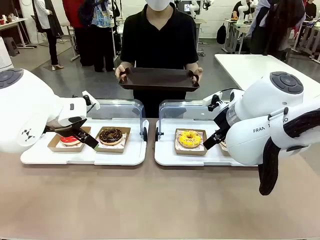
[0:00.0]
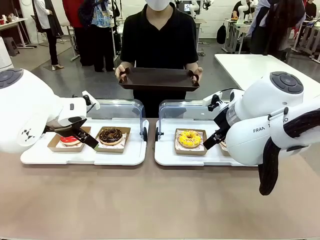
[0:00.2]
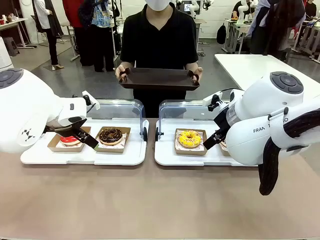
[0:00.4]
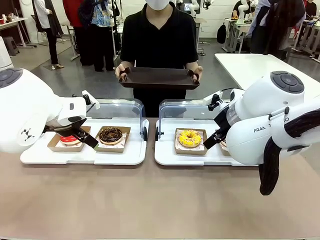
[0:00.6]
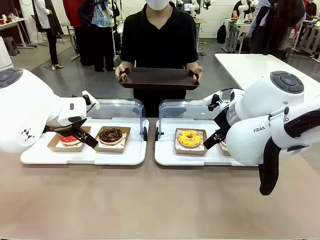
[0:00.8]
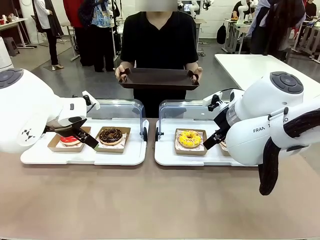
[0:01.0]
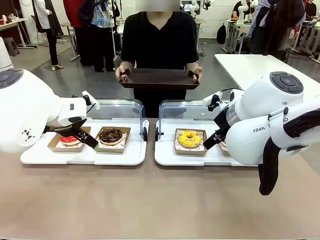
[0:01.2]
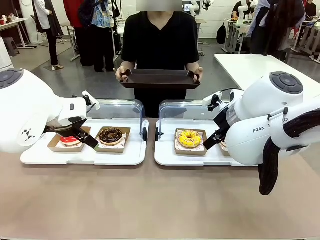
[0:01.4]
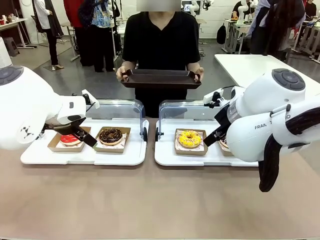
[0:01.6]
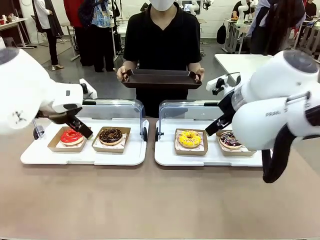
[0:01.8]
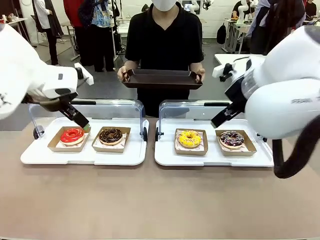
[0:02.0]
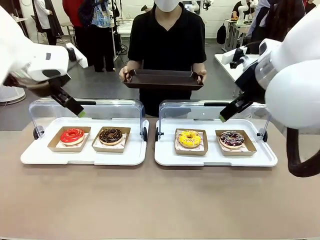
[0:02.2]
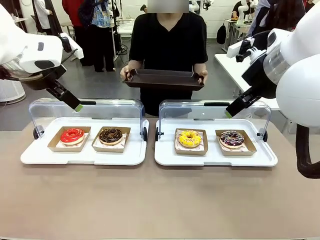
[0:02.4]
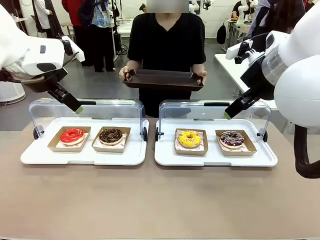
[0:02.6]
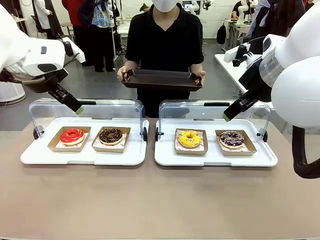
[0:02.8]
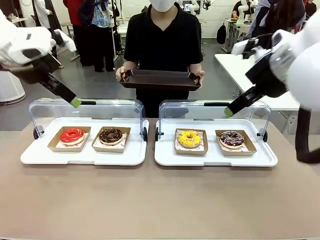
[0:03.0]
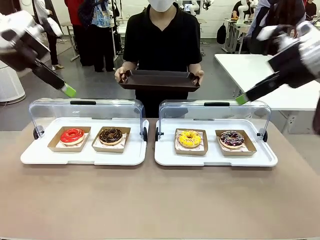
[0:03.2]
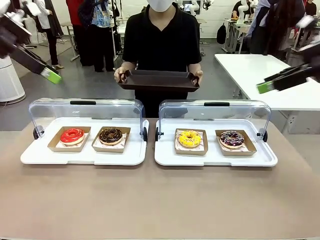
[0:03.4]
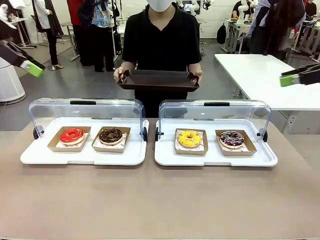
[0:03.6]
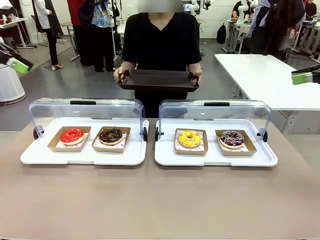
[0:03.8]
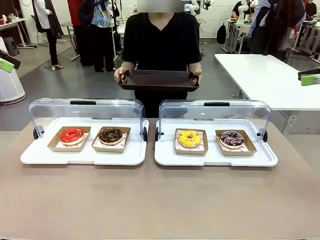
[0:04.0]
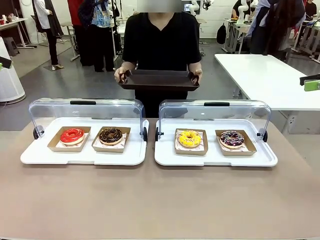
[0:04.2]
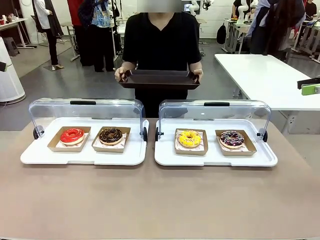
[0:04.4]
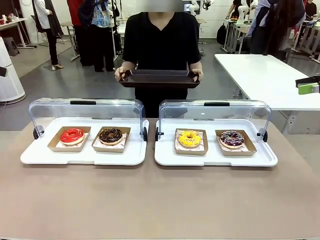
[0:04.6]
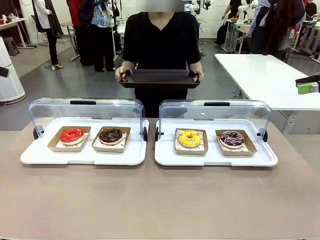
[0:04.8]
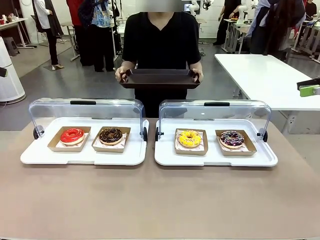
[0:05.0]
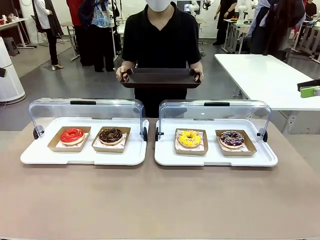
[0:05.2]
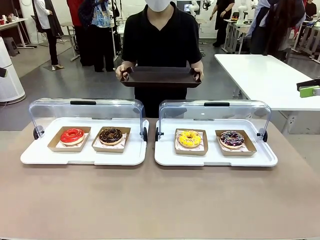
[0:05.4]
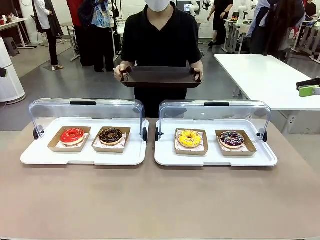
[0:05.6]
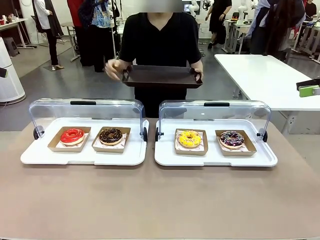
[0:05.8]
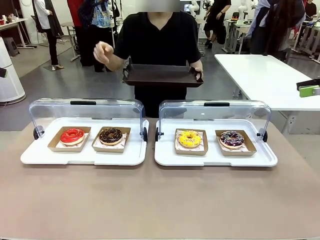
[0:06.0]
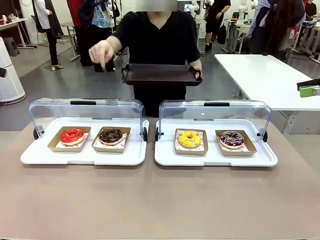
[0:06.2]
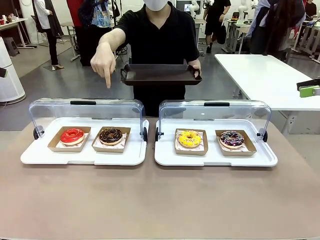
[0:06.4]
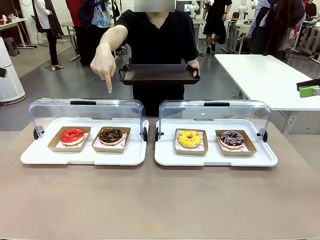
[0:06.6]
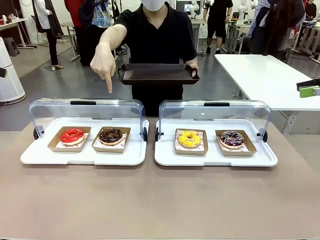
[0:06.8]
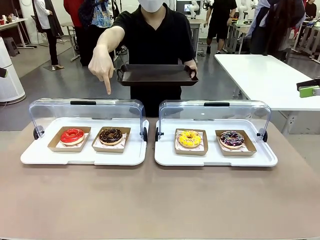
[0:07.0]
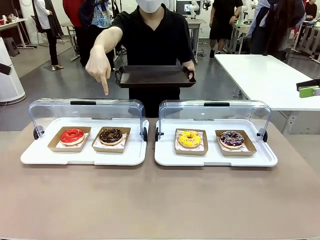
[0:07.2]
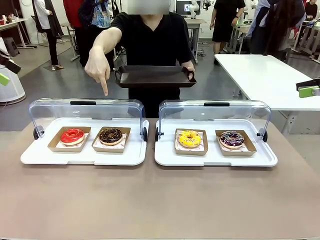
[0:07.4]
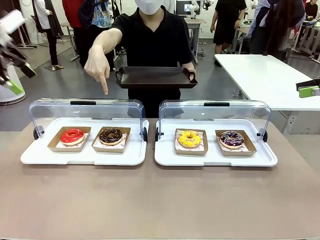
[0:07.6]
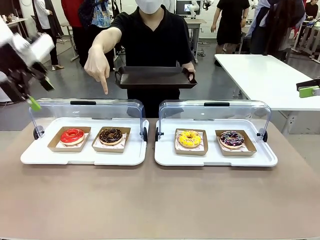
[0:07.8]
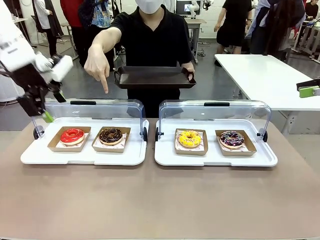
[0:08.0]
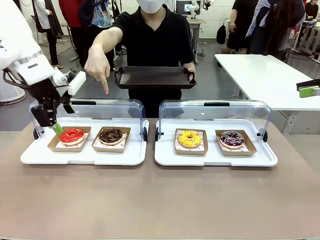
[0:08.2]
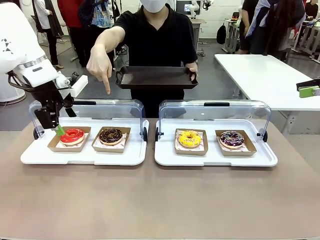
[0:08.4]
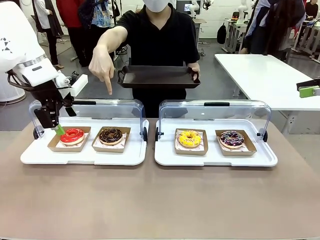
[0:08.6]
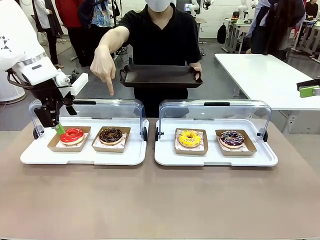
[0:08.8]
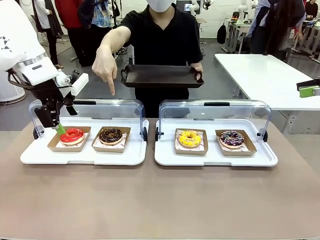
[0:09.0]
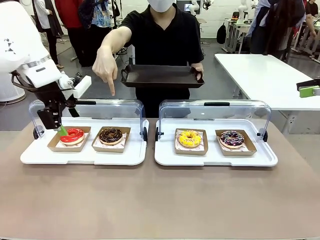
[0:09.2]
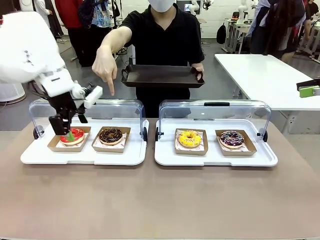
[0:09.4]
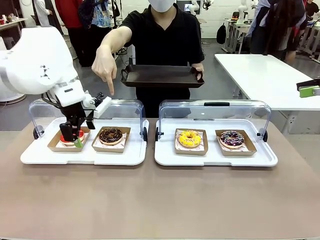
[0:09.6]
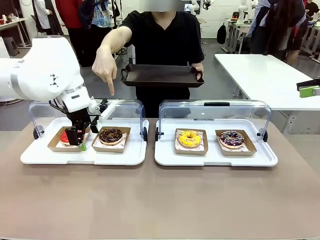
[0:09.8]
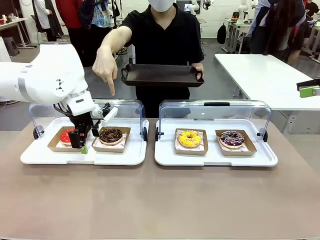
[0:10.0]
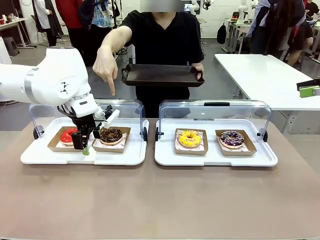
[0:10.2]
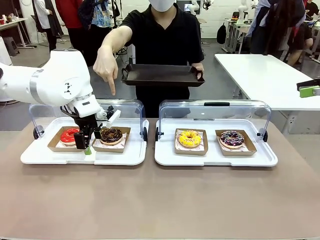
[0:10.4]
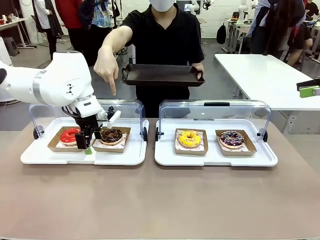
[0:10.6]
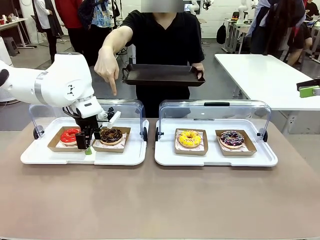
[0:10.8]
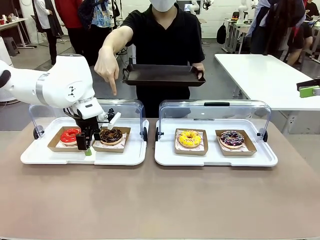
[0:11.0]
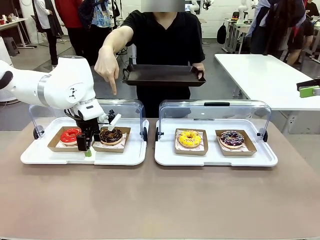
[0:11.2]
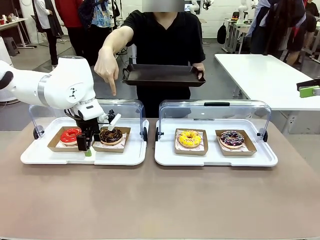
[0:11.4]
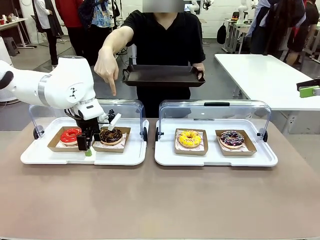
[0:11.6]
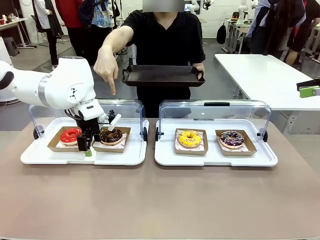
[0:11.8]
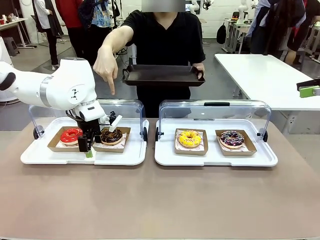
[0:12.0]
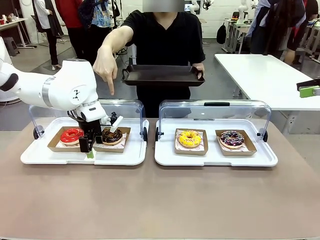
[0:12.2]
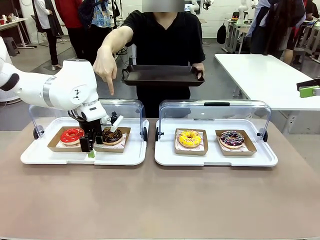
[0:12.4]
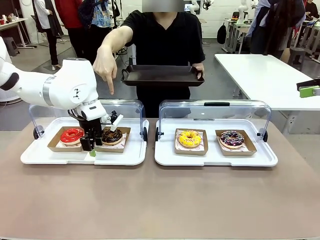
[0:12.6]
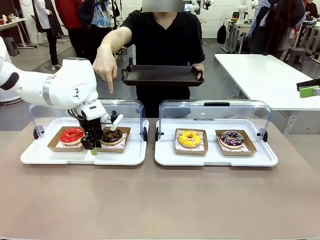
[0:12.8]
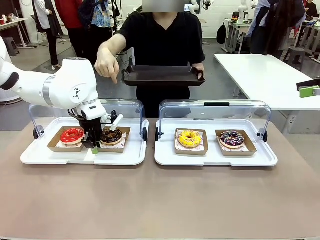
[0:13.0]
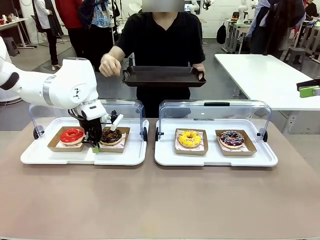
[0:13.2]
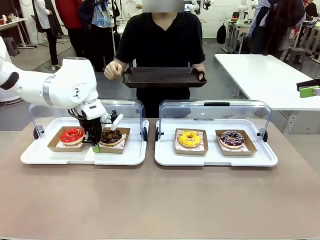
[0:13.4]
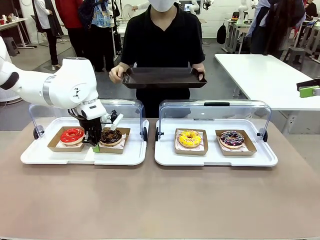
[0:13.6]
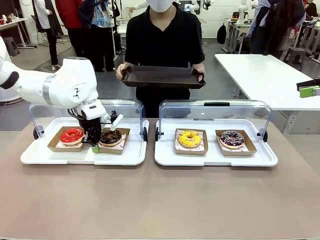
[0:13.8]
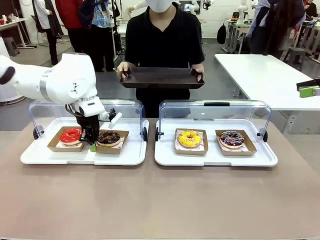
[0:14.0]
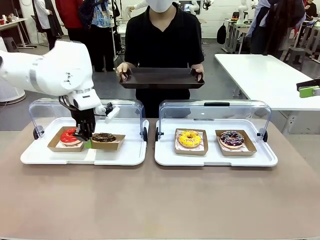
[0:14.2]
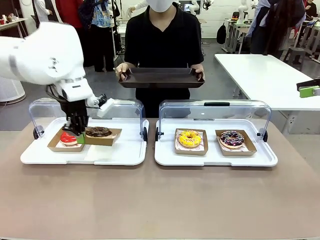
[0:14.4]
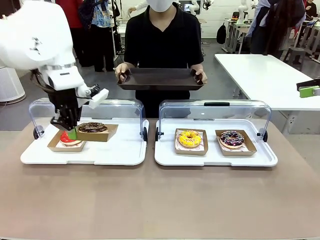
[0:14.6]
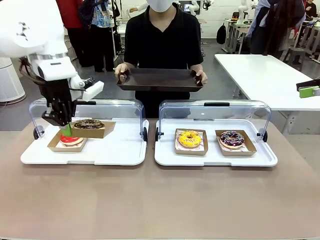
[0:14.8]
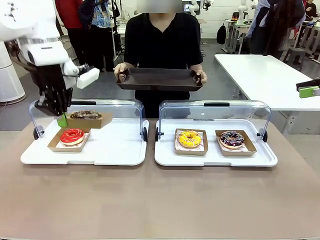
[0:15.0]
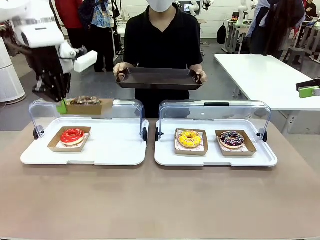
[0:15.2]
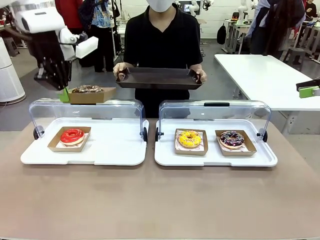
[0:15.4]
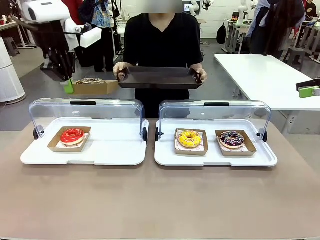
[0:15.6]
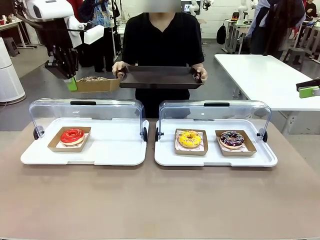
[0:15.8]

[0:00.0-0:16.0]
Task: Provide the desired donut to the person.
Robot: Pick up and lift the Paper togo box containing the Donut pointed at by the person.
Person: Point to one donut. Lift the tray onto the Roll-Top Bakery Case.

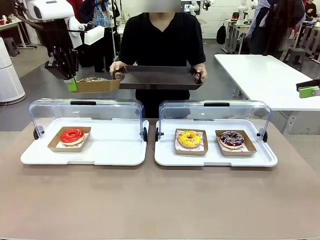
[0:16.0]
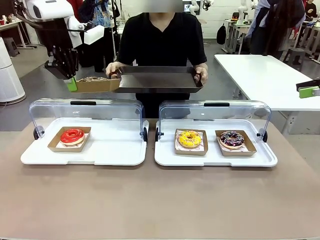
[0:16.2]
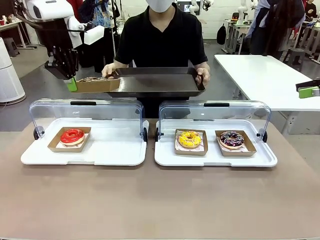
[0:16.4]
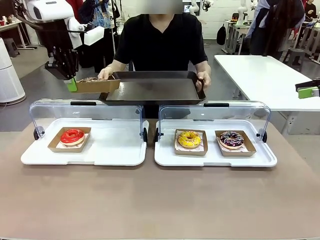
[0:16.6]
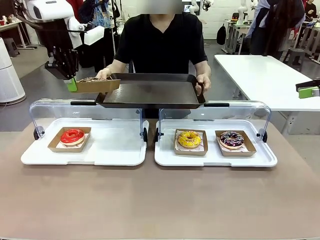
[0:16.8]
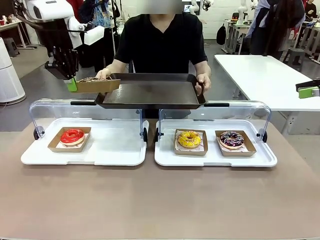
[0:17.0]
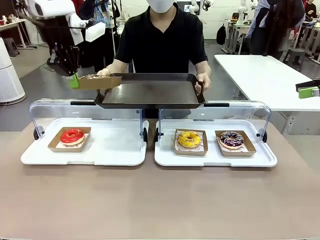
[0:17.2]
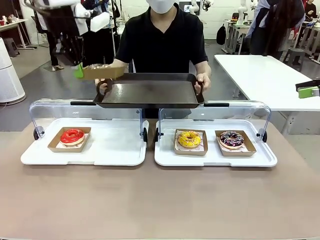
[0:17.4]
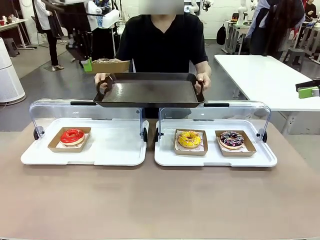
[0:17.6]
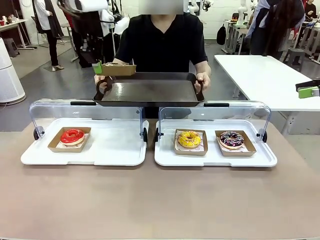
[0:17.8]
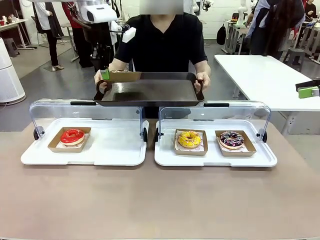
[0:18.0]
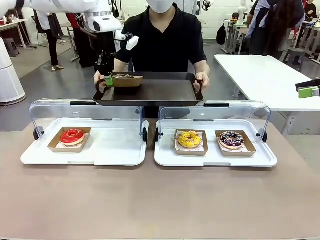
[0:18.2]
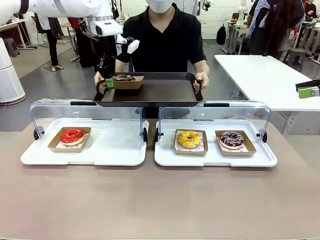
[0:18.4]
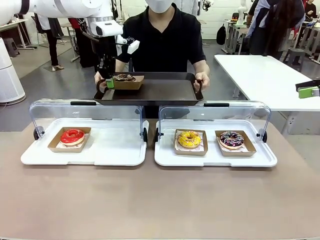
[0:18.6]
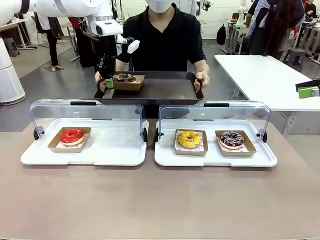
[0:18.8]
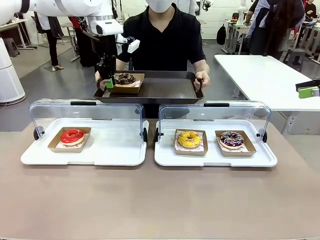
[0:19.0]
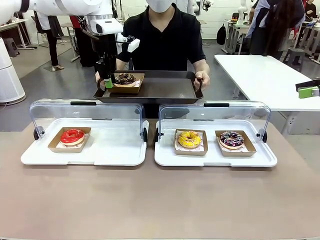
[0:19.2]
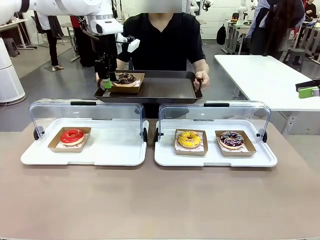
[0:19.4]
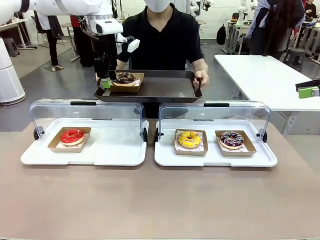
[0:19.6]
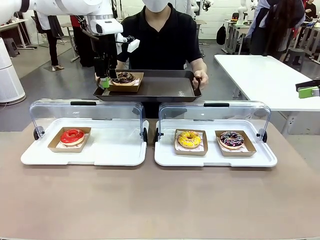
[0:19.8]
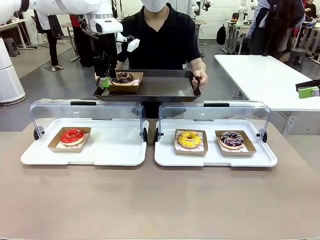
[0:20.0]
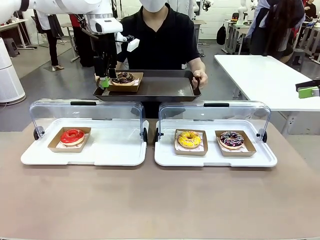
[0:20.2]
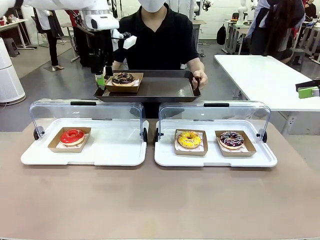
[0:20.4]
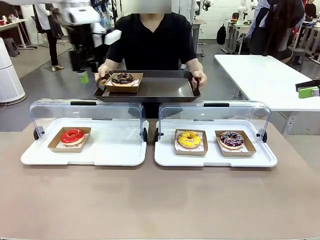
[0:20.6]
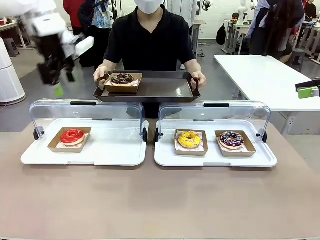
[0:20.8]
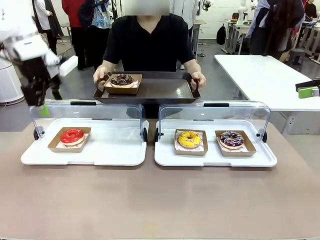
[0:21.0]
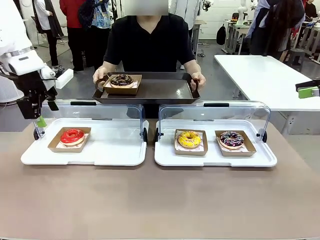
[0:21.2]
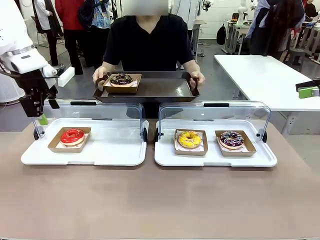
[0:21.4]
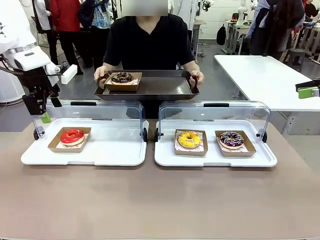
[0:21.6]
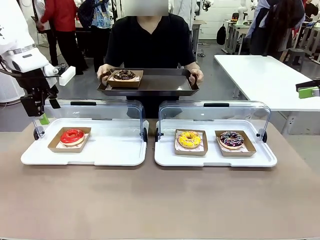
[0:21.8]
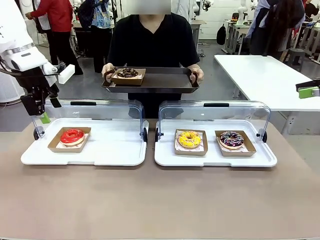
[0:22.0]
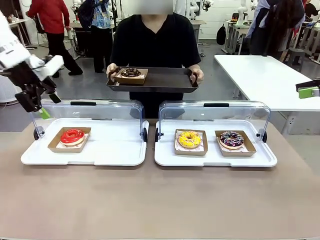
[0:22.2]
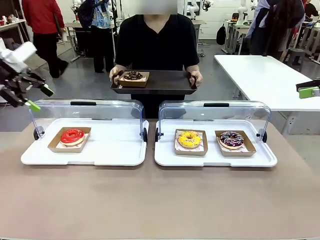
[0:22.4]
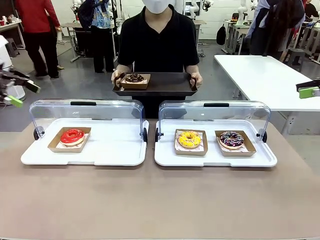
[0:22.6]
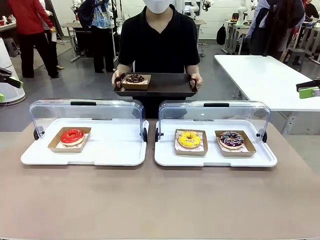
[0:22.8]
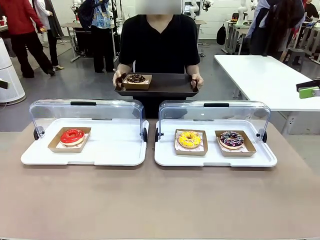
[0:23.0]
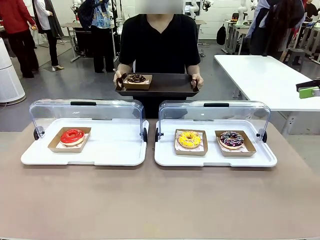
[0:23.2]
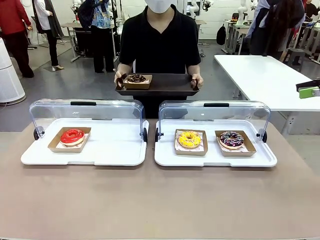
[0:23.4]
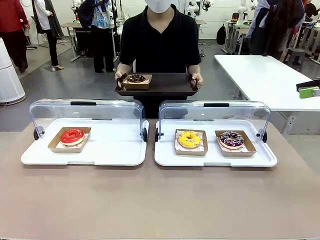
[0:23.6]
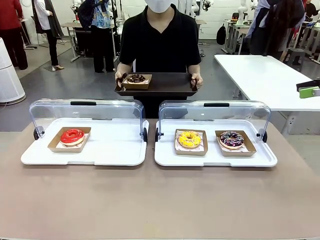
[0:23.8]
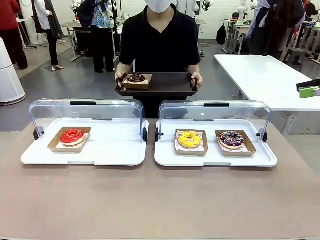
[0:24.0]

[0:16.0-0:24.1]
Robot: Place the picked Paper togo box onto the Handle tray extended by the person.
Person: Point to one donut.
